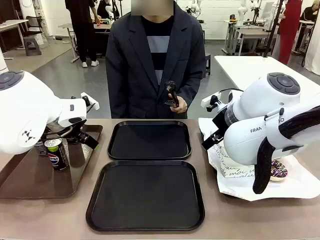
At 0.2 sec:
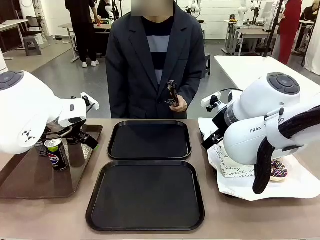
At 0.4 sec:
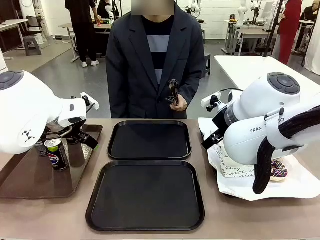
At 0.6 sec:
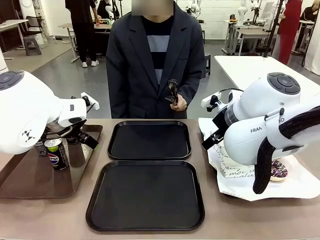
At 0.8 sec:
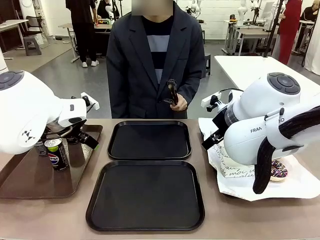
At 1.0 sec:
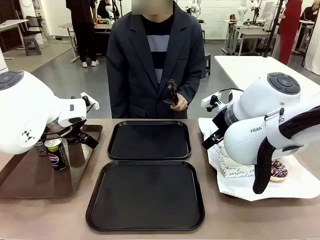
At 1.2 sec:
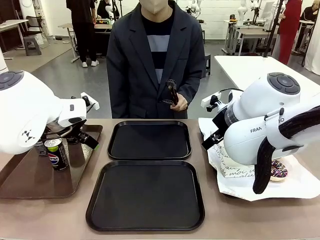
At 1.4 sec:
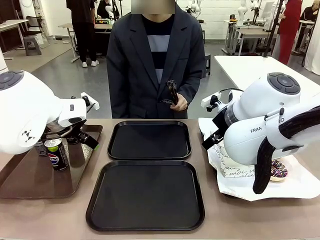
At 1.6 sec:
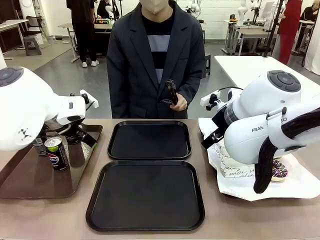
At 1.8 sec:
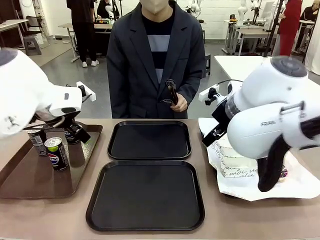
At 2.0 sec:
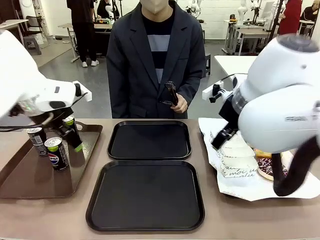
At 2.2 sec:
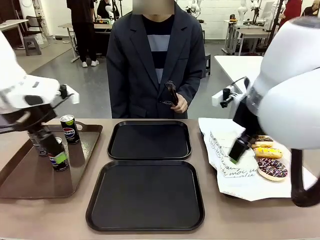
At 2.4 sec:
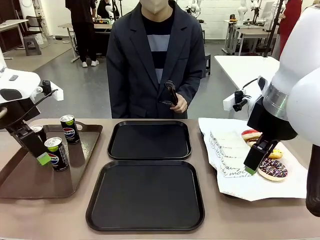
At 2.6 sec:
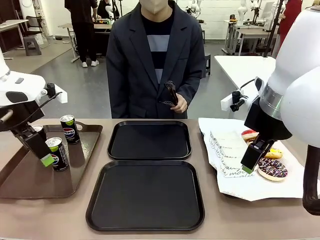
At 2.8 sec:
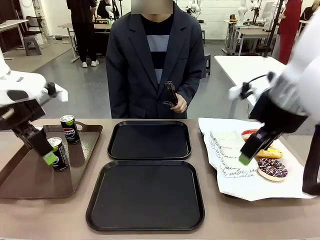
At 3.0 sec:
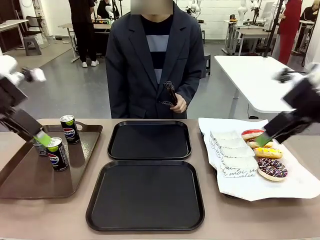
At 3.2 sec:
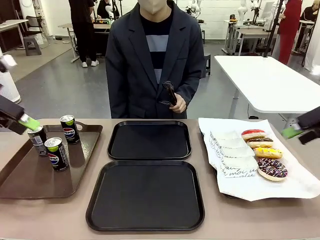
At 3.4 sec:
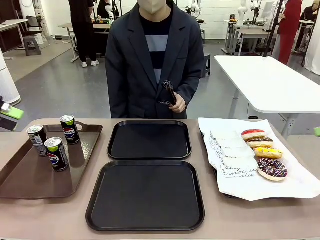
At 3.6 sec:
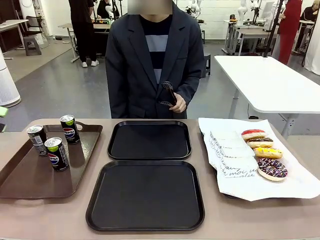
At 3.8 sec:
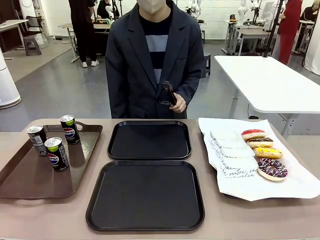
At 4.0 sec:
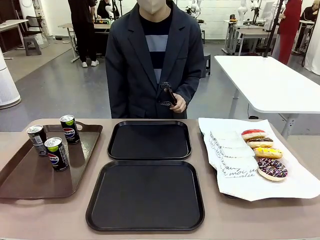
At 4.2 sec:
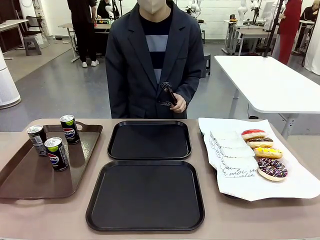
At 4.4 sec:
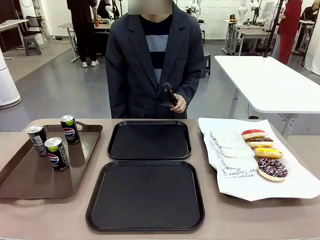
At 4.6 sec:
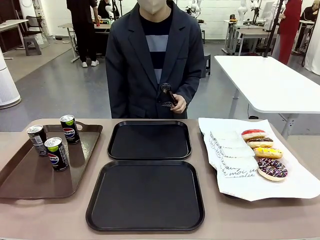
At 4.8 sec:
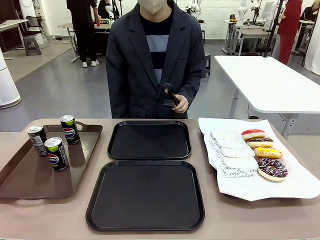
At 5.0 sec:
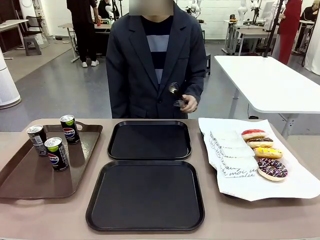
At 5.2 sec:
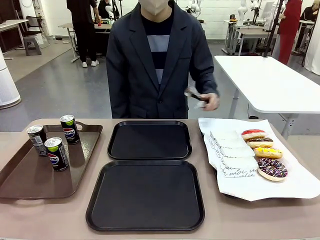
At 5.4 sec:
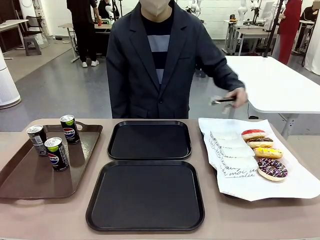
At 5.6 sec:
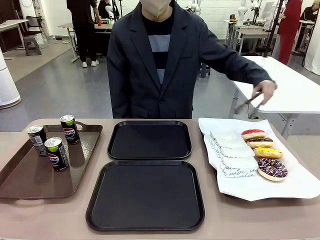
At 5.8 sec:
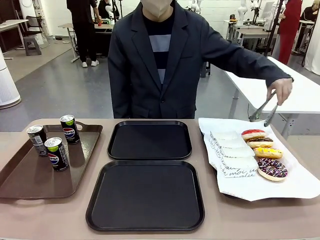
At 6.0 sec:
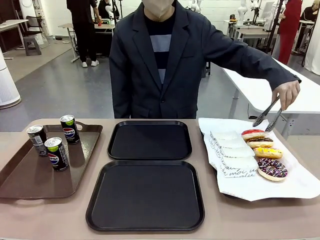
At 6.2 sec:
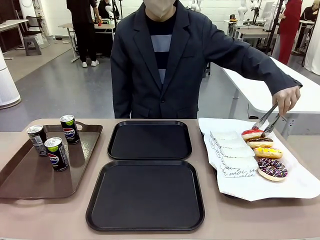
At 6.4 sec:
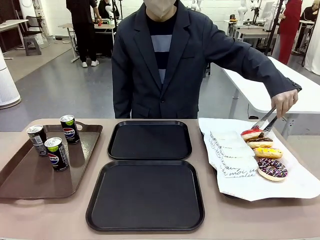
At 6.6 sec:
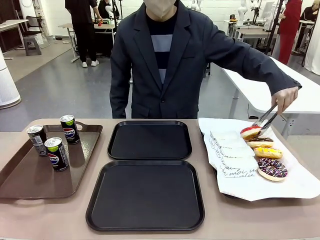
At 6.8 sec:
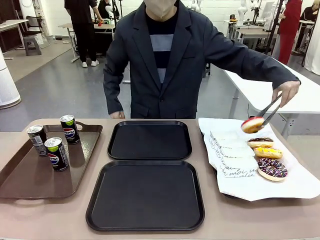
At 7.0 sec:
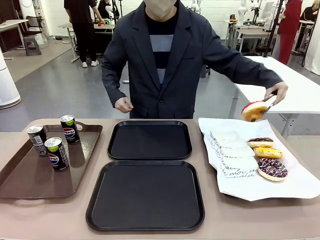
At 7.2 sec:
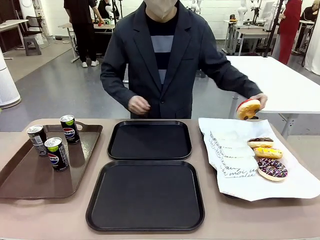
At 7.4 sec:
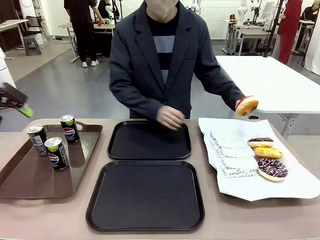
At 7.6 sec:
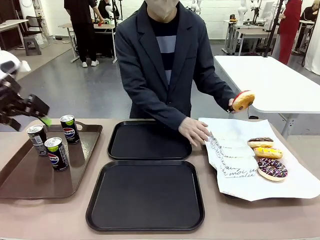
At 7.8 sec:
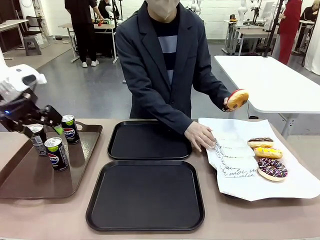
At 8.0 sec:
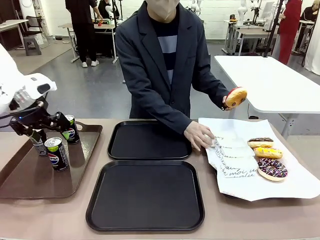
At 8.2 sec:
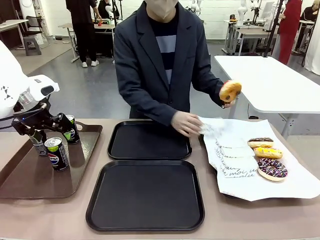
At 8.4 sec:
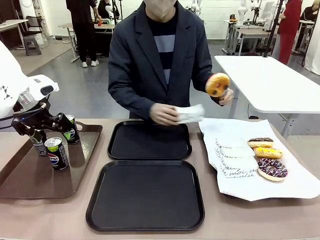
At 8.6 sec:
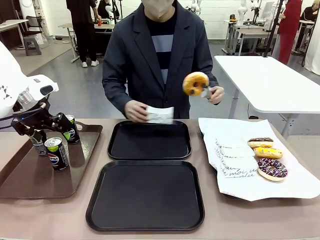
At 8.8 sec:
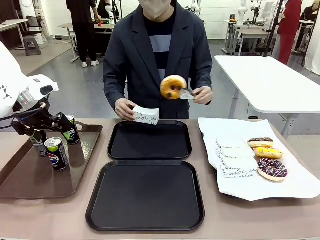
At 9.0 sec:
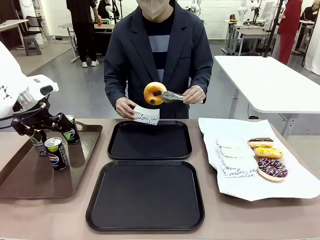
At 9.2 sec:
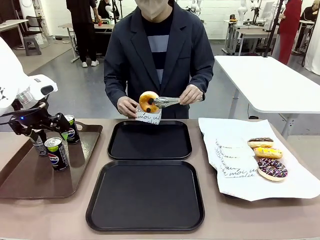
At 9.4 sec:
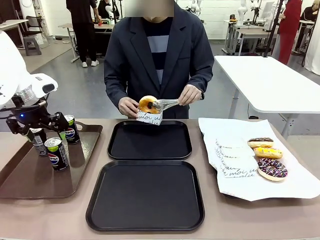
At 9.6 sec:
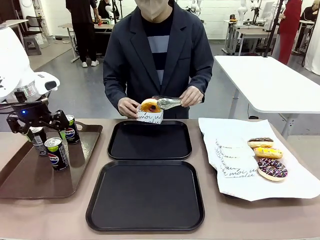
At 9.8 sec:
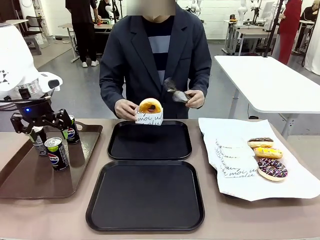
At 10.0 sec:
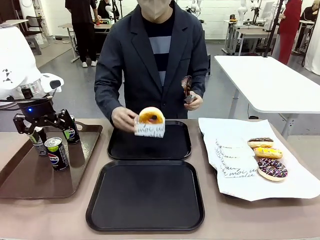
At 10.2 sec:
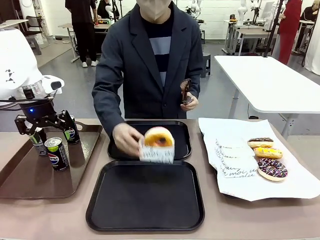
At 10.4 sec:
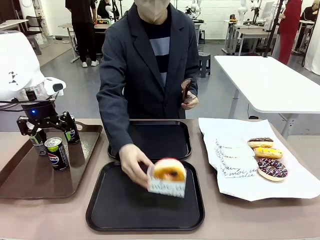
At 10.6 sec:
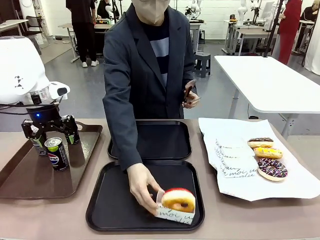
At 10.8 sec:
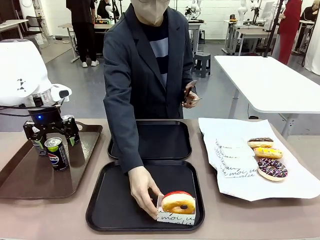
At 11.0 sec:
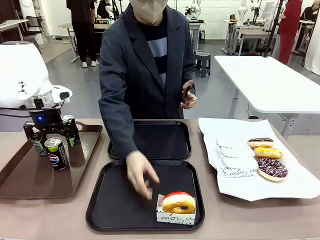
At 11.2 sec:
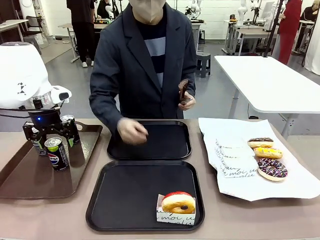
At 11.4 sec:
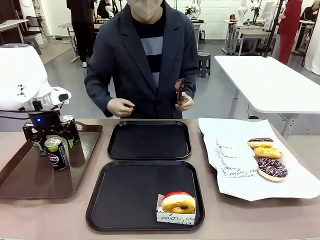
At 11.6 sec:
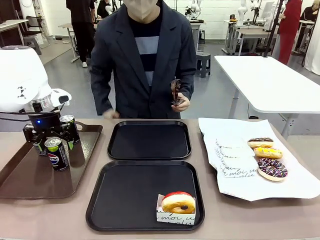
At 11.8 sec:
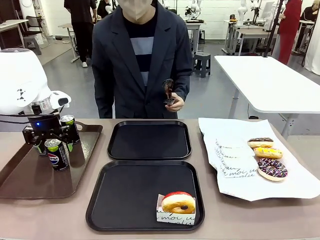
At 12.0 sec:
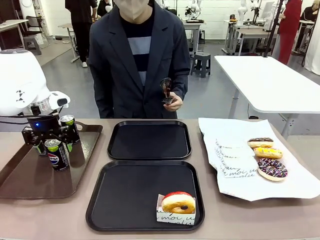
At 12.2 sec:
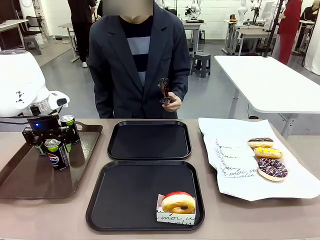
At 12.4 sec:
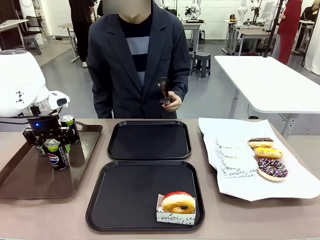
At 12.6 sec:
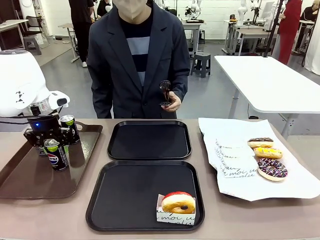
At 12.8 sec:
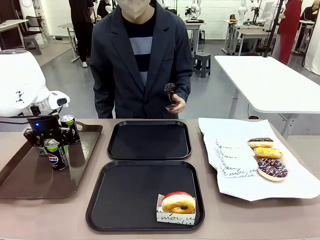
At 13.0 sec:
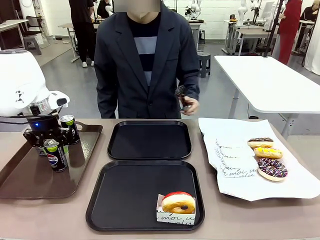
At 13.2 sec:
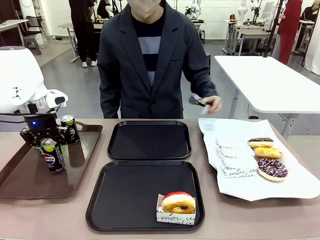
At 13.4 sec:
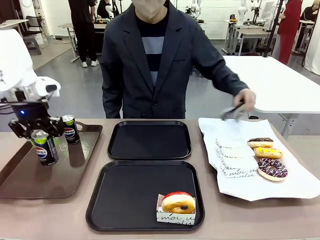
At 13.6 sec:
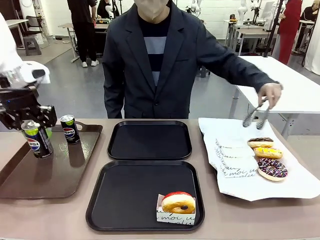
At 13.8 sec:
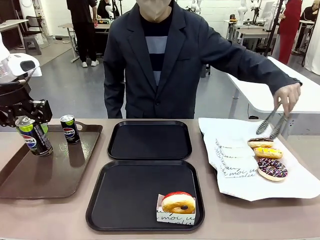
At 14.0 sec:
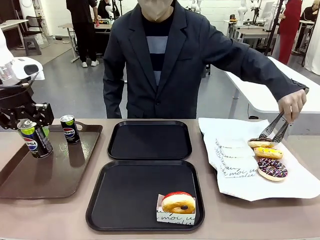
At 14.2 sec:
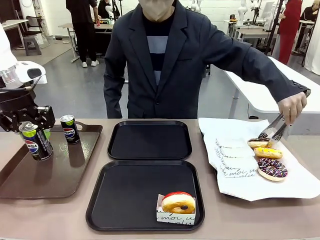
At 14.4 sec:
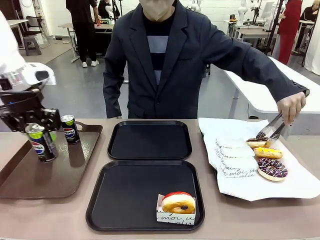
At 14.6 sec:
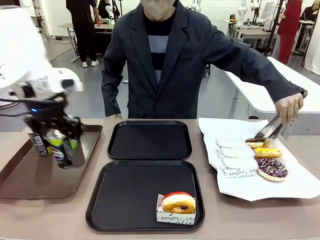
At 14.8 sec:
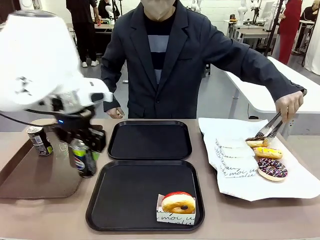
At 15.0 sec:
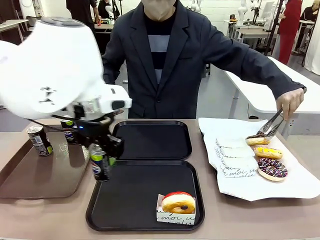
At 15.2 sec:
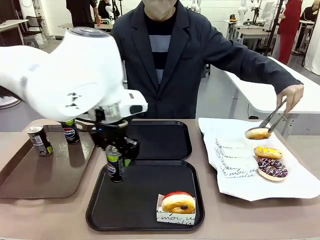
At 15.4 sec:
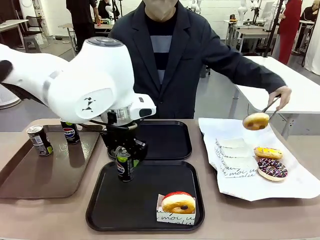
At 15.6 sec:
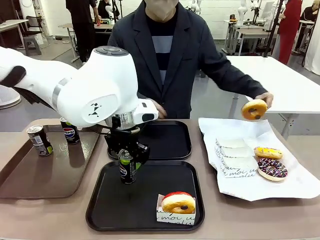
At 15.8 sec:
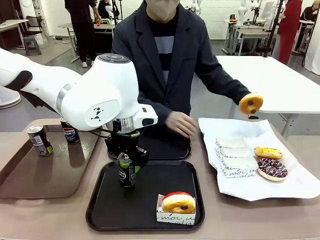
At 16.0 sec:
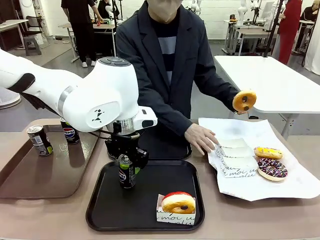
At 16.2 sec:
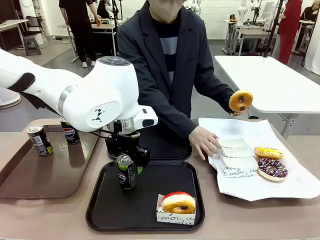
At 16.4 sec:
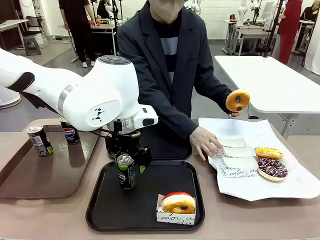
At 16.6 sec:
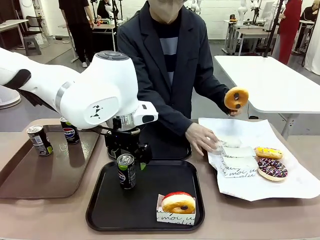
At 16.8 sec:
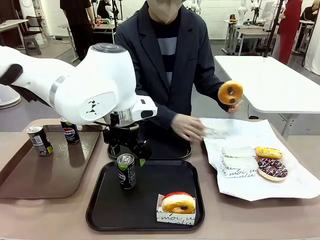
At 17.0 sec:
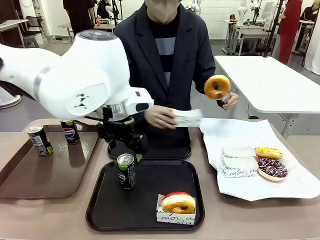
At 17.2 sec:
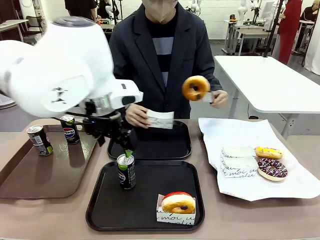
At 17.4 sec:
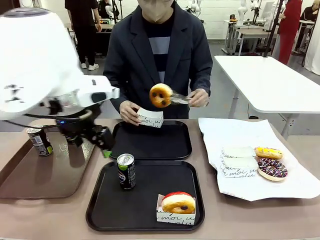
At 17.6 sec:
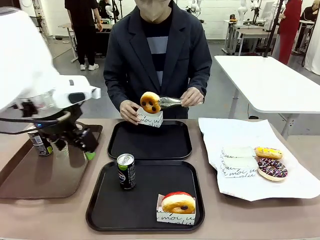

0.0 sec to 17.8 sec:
Task: Set up donuts and drinks on trays.
Robot: Pick up one Pepsi coke and place it on the Flat Tray.
